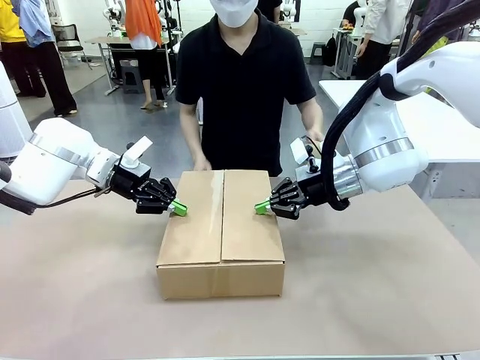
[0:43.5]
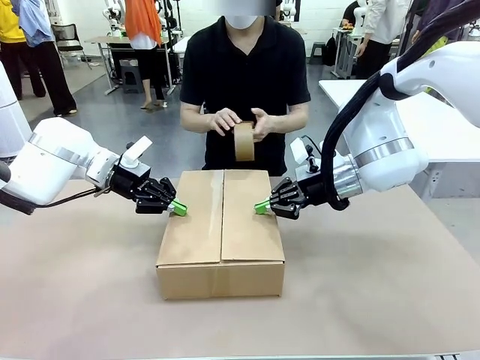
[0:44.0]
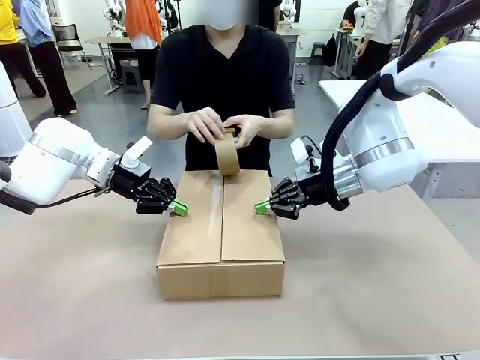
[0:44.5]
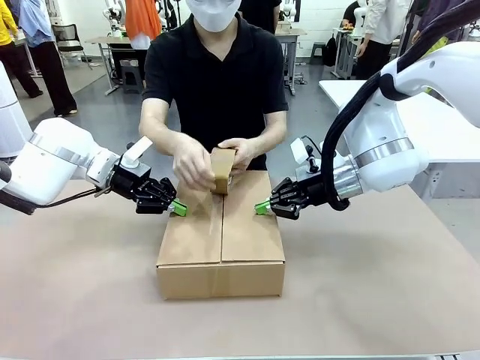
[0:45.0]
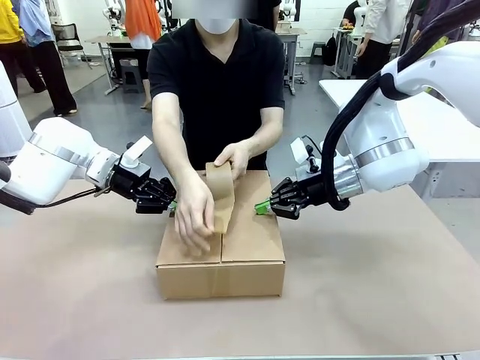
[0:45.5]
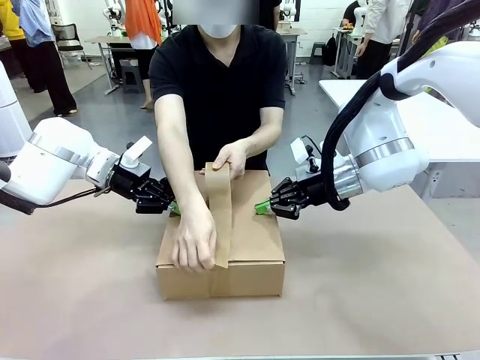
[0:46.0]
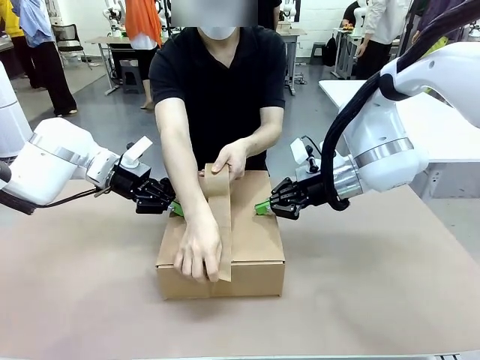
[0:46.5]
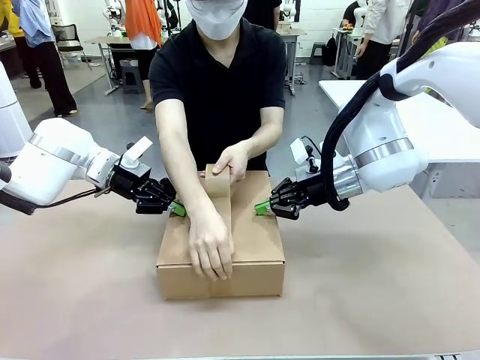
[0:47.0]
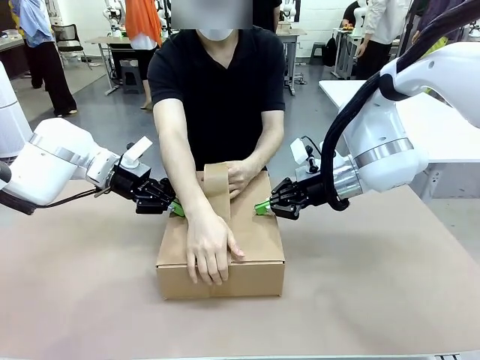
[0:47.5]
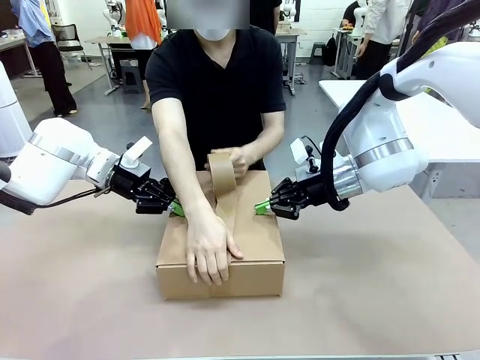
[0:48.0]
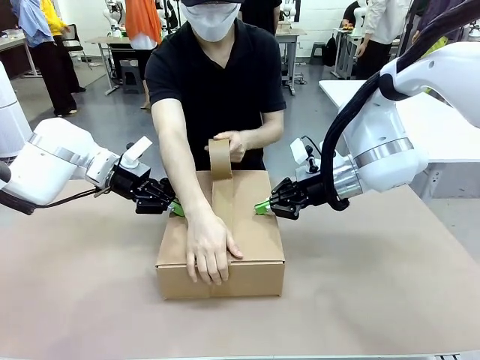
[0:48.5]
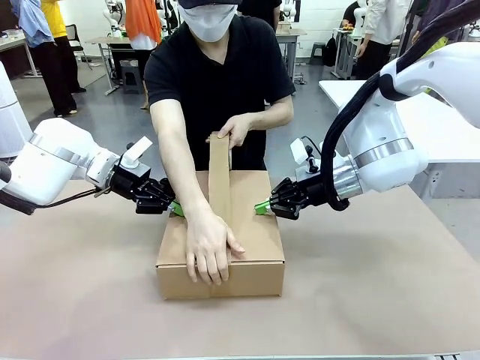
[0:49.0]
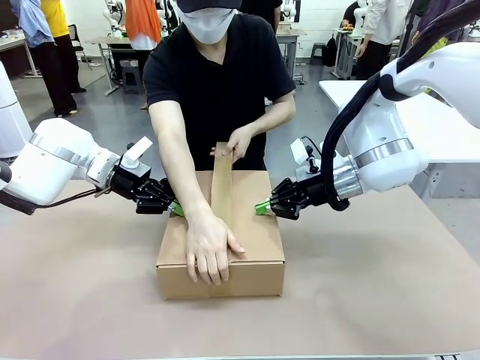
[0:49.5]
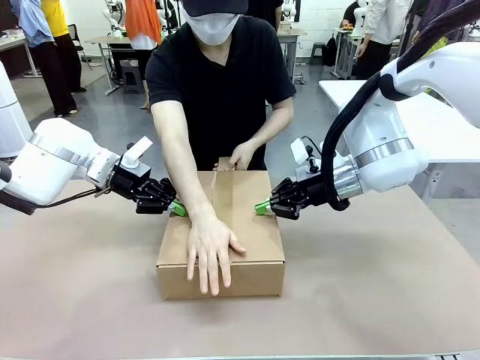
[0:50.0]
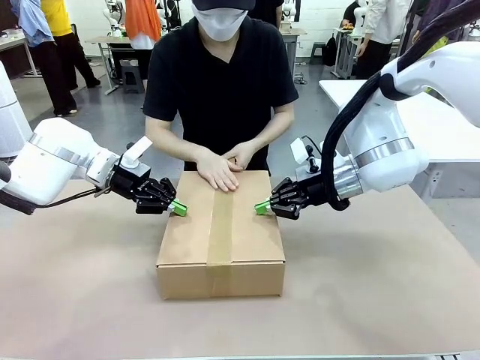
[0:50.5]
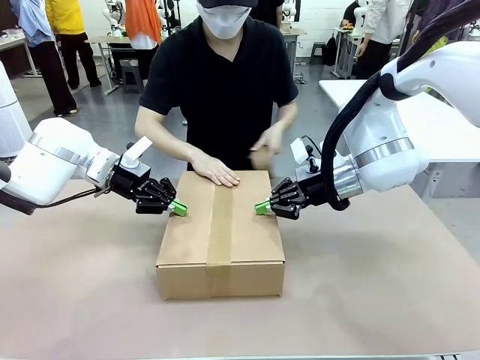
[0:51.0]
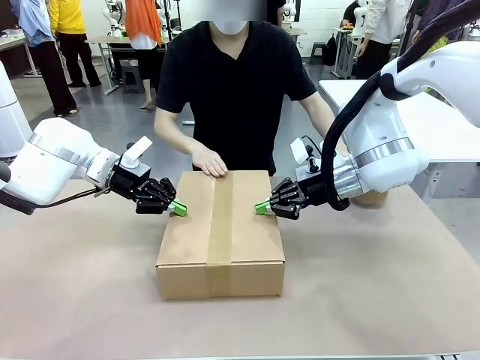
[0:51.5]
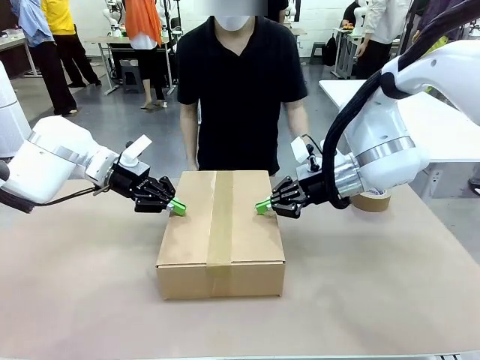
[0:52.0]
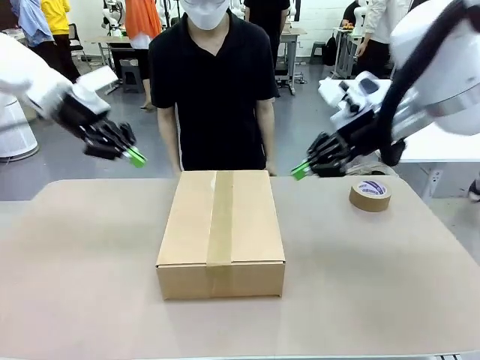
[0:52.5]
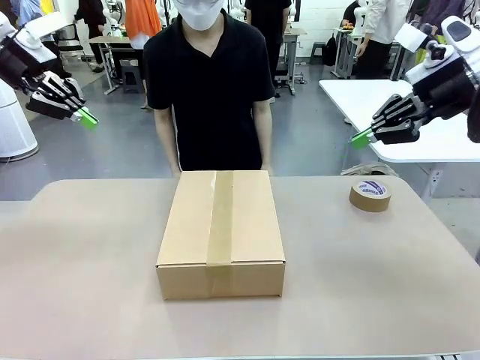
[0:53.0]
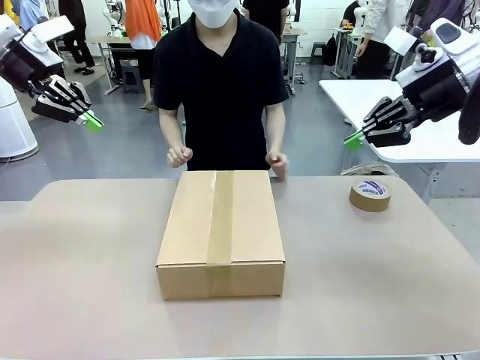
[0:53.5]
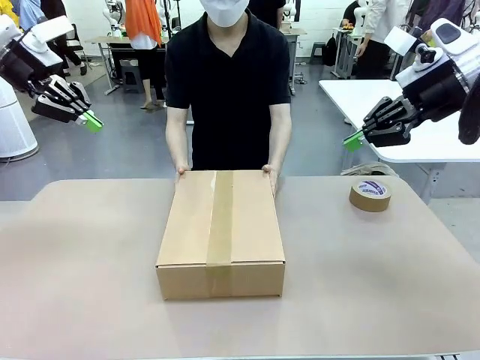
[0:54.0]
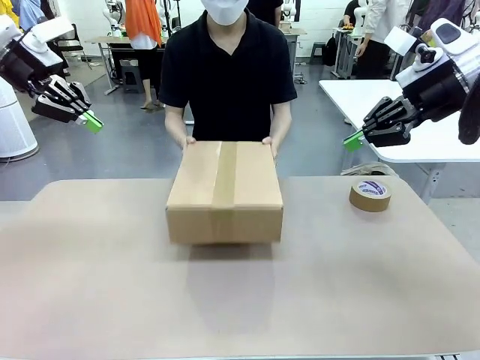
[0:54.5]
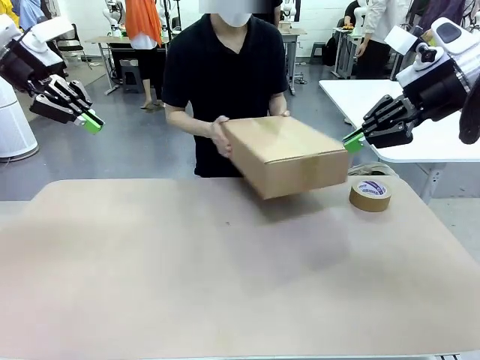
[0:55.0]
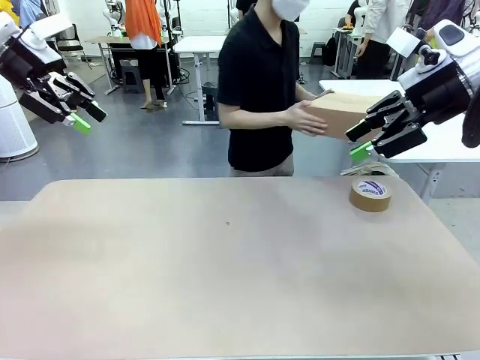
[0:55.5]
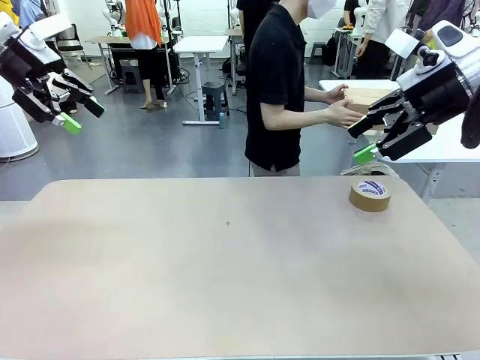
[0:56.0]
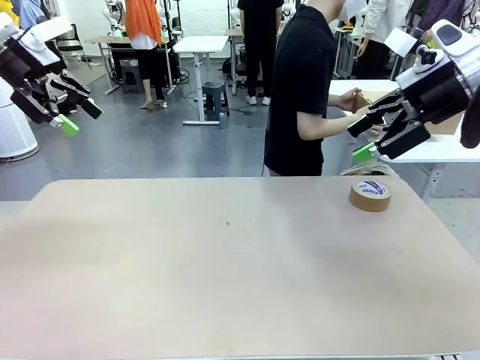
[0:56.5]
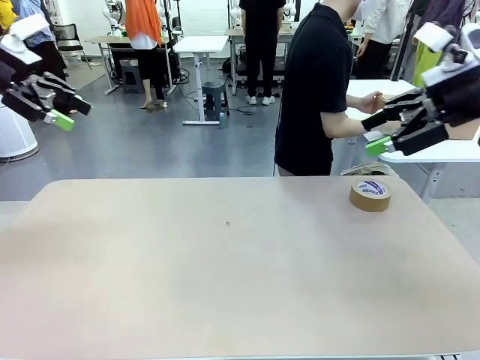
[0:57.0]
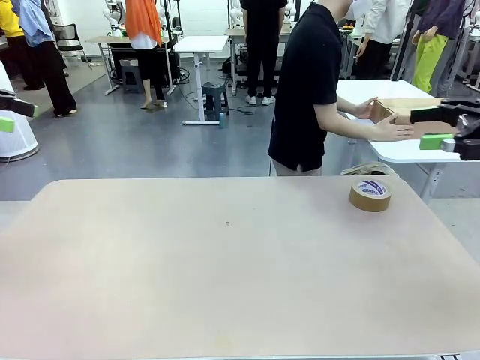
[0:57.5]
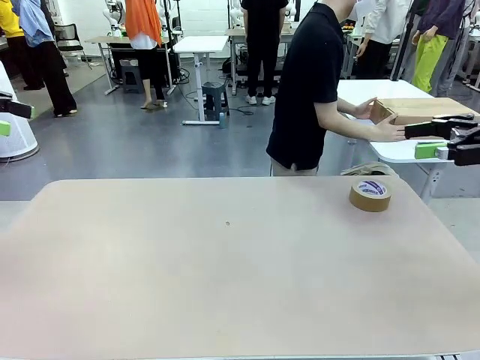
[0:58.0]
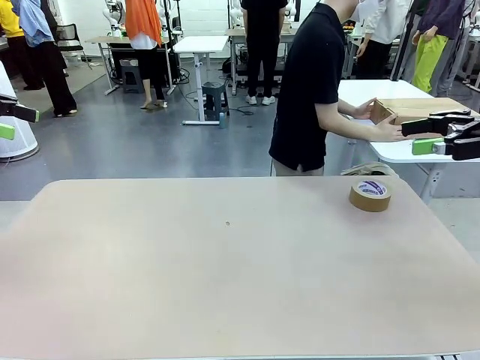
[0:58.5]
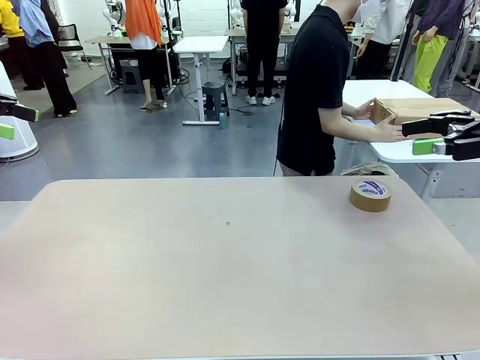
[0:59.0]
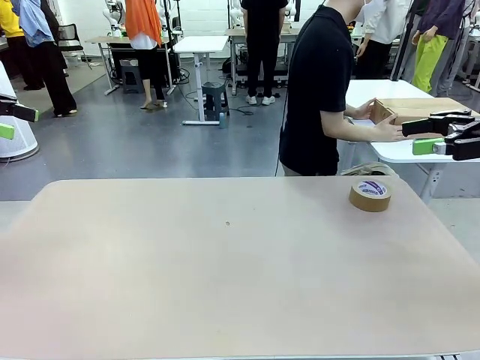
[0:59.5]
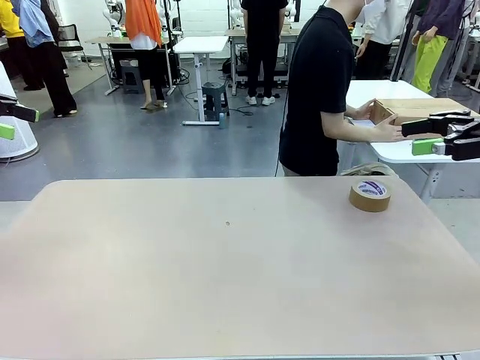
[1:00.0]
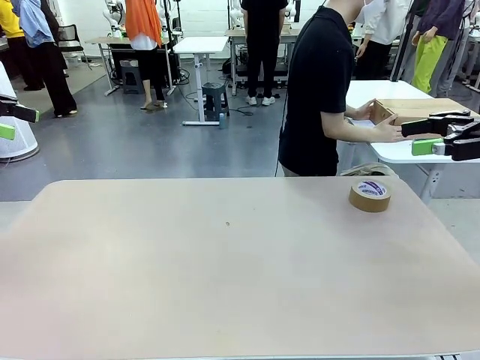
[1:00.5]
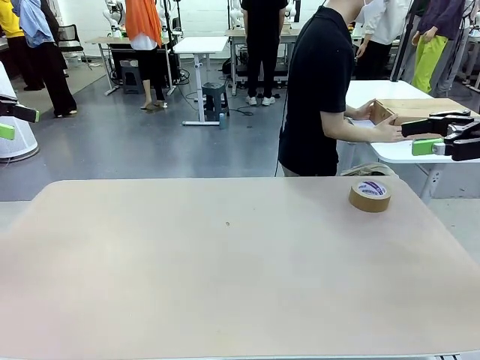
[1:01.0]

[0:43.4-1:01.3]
Task: Wrap the clocks to prevent damage.
Robot: After the human seals the box with tape, release both hands from the side flaps of the Package Box.
Person: Once the robot closes the left flap of the Package Box , seal the box with Paper Tape. Place sealed Package Box in the middle of the human's table.

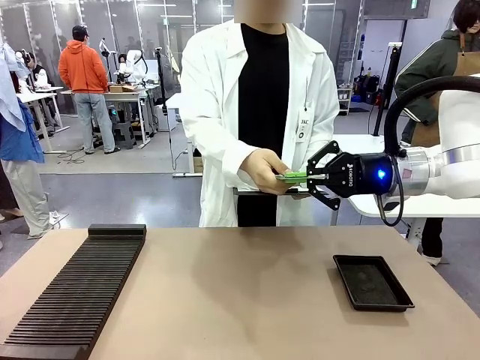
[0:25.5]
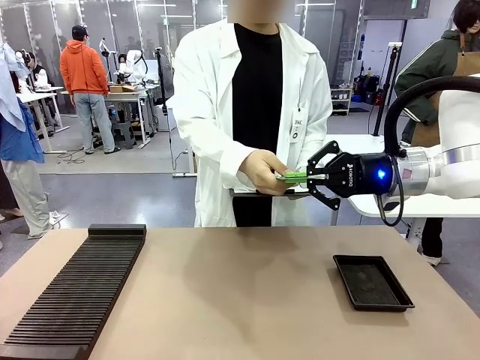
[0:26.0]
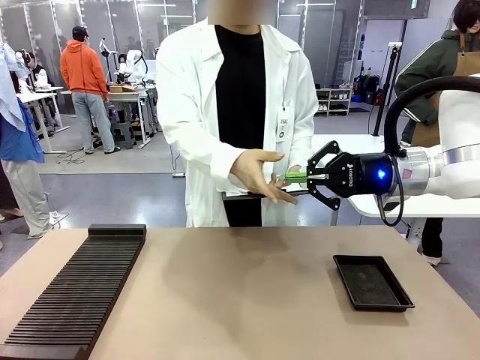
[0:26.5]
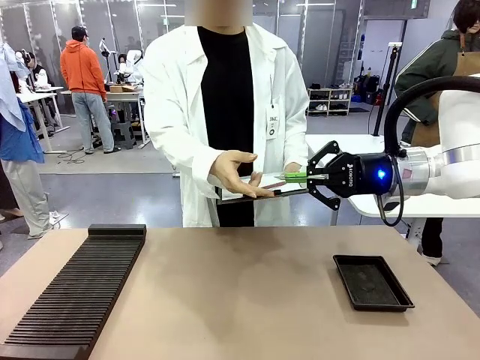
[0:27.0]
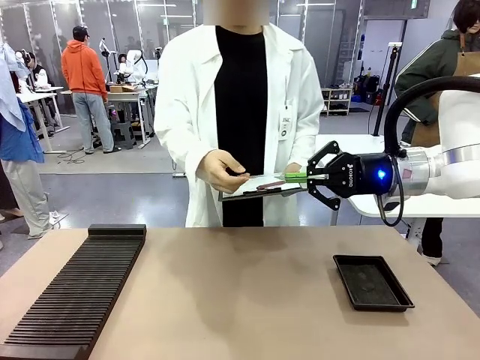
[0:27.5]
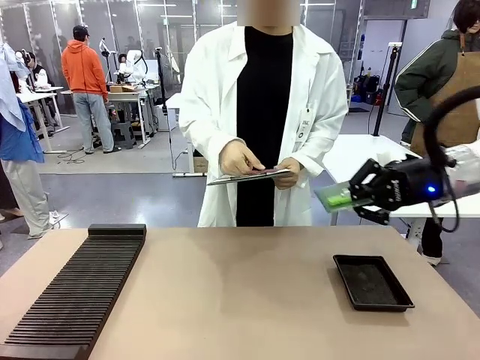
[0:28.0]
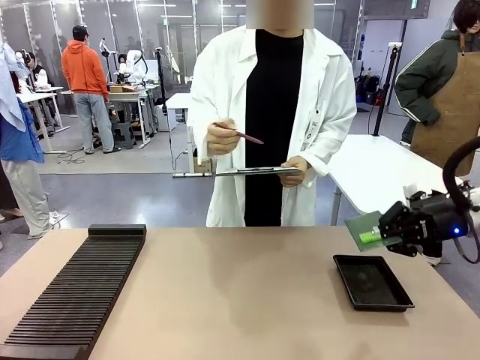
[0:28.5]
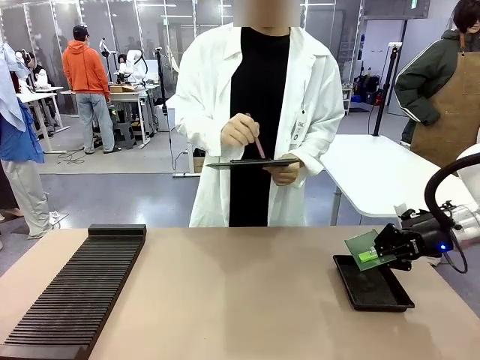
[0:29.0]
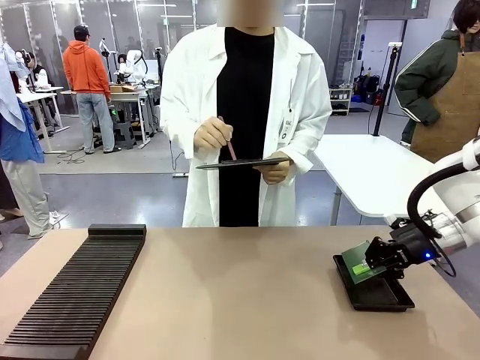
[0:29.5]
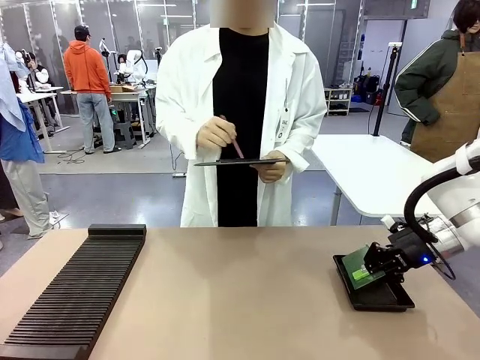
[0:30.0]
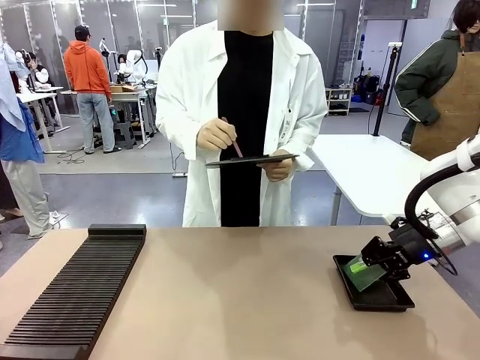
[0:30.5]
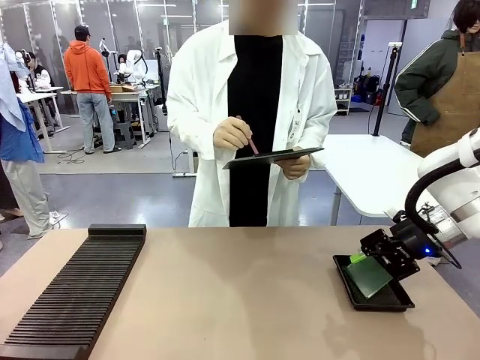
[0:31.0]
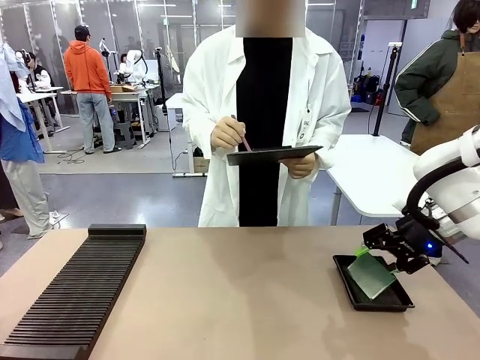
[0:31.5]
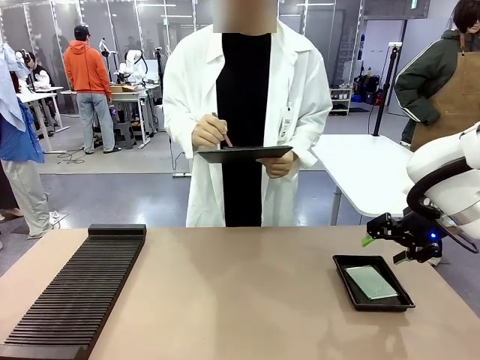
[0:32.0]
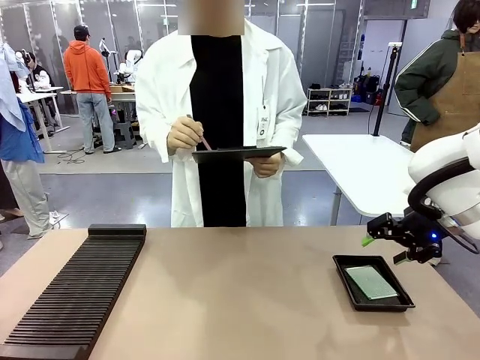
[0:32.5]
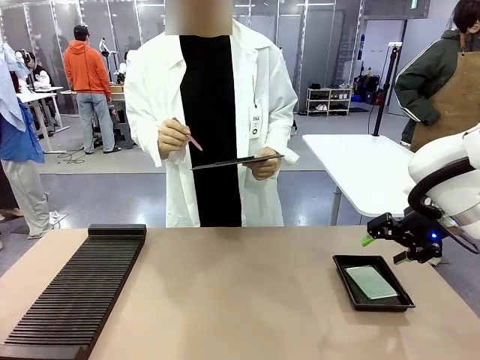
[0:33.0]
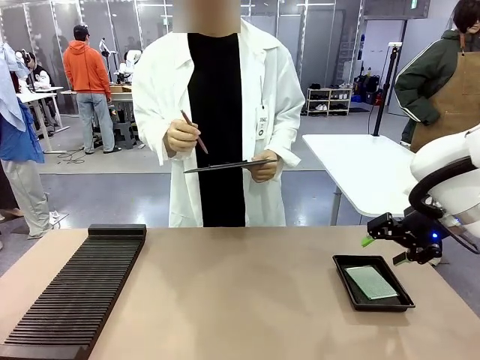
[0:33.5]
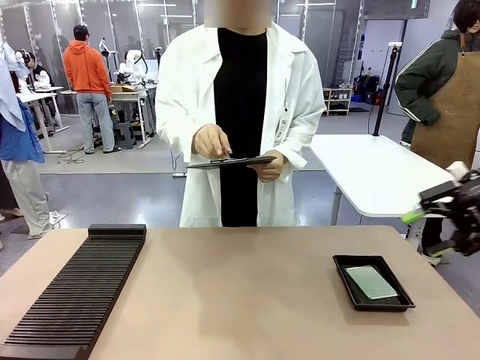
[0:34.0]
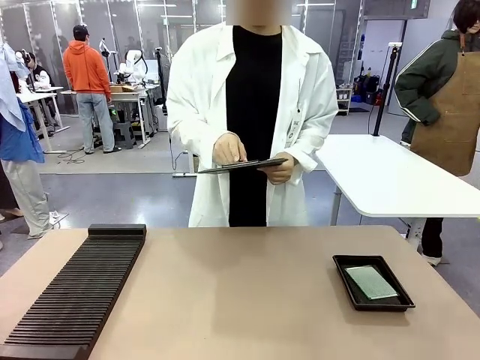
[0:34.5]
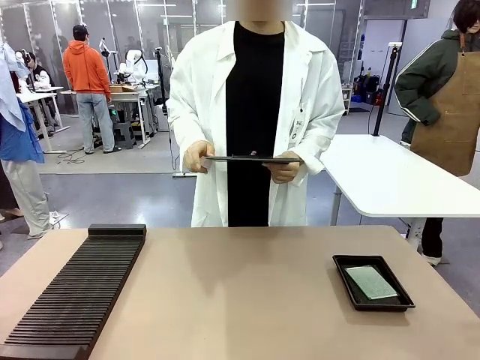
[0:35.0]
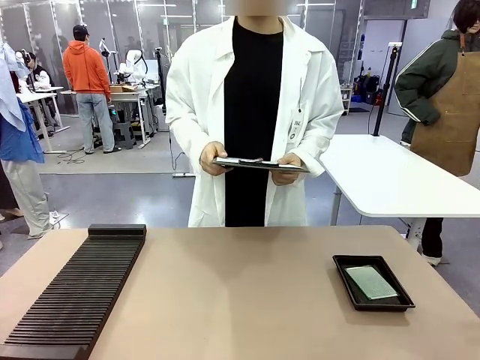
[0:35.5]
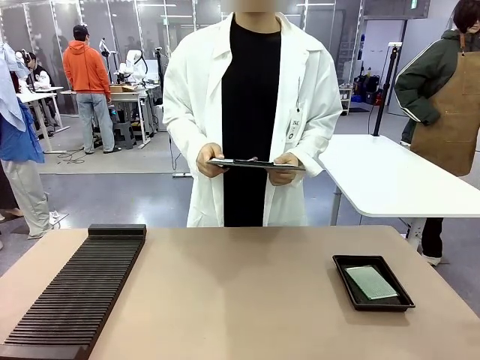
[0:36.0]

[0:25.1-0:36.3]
Task: Inspect the PCB.
Robot: Place the Blank PCB in the ESD tray.
Person: Record the PCB status on the paper.
